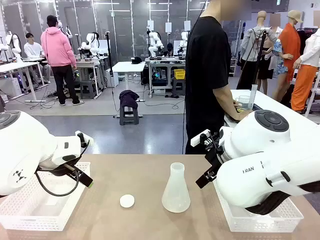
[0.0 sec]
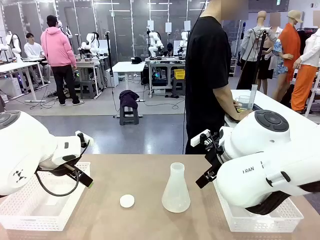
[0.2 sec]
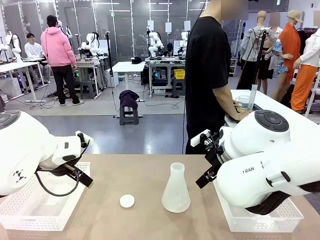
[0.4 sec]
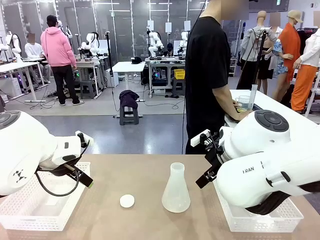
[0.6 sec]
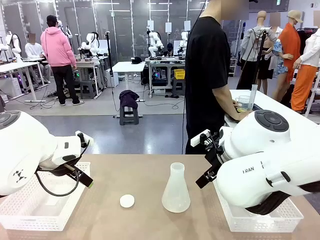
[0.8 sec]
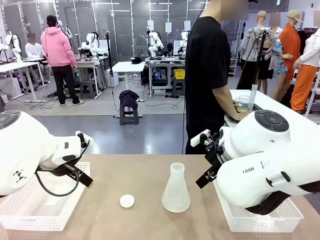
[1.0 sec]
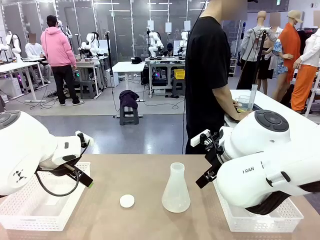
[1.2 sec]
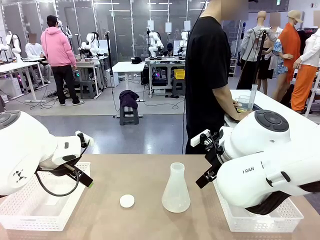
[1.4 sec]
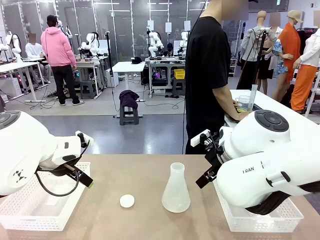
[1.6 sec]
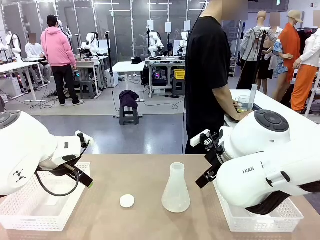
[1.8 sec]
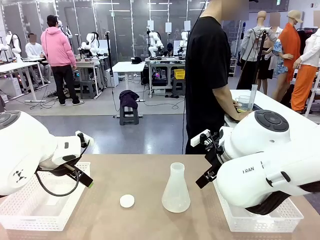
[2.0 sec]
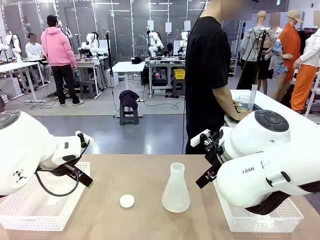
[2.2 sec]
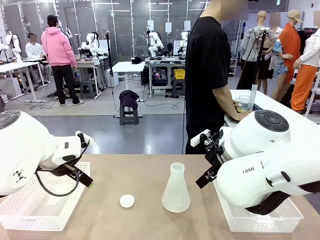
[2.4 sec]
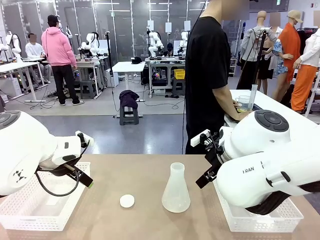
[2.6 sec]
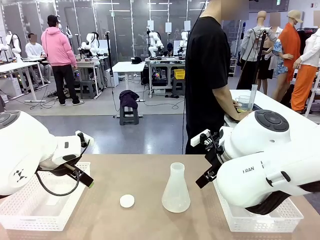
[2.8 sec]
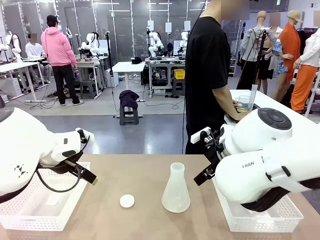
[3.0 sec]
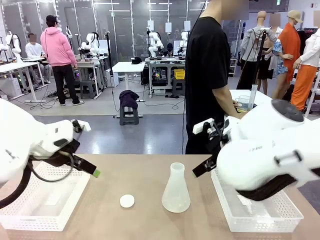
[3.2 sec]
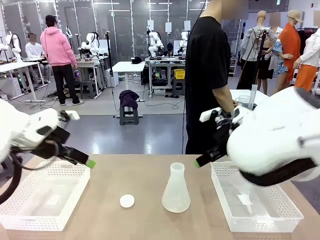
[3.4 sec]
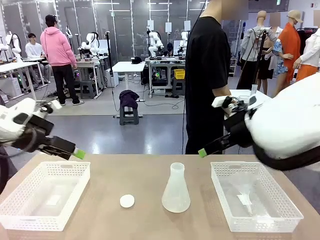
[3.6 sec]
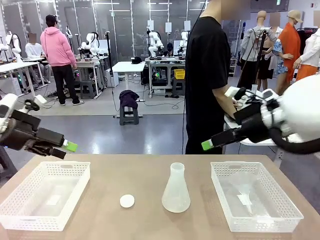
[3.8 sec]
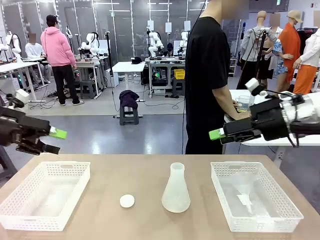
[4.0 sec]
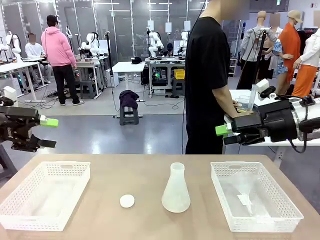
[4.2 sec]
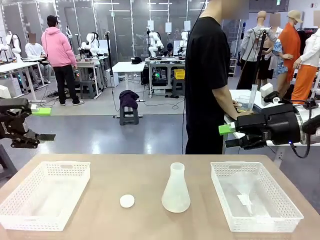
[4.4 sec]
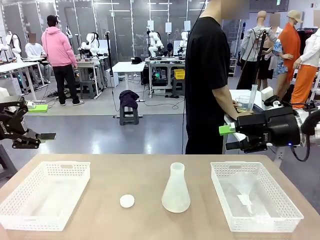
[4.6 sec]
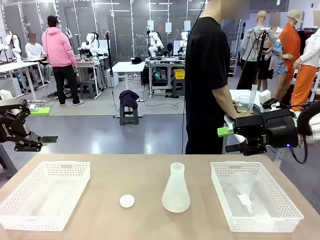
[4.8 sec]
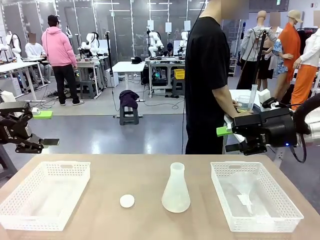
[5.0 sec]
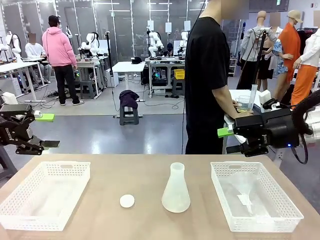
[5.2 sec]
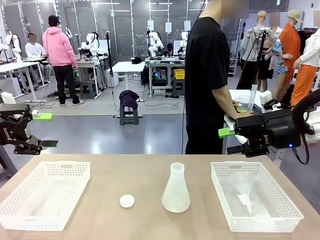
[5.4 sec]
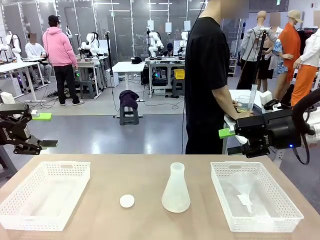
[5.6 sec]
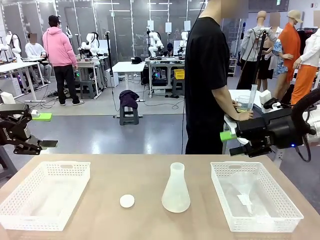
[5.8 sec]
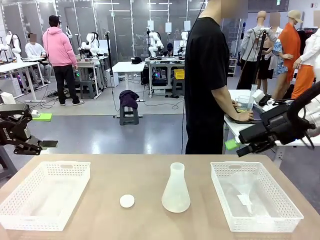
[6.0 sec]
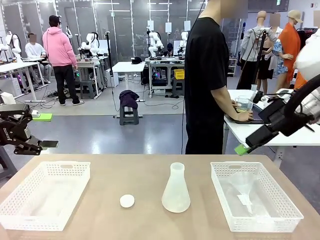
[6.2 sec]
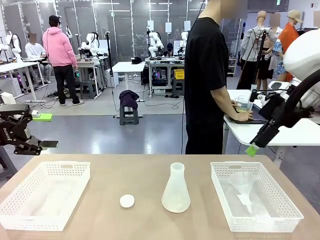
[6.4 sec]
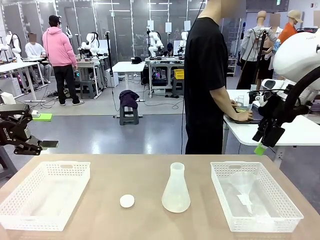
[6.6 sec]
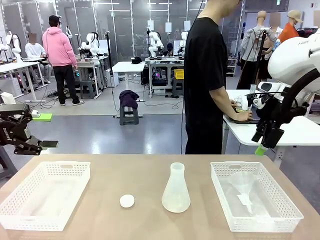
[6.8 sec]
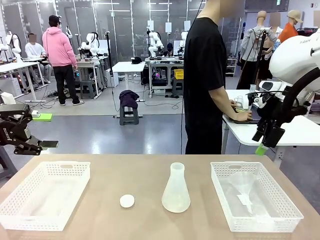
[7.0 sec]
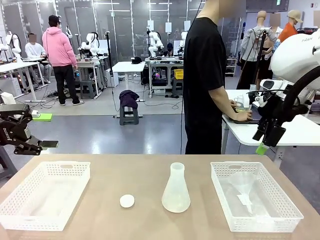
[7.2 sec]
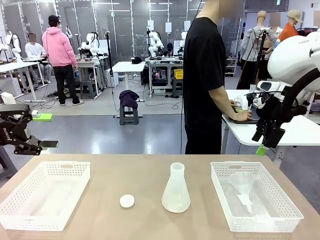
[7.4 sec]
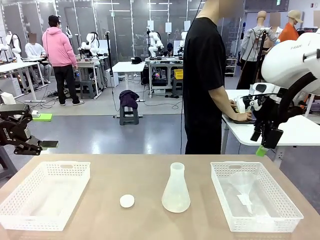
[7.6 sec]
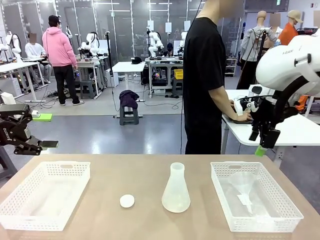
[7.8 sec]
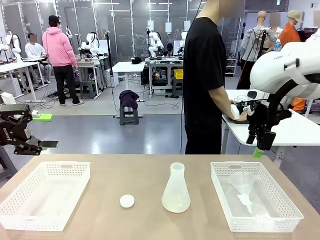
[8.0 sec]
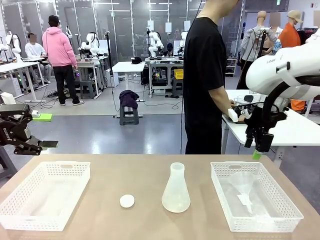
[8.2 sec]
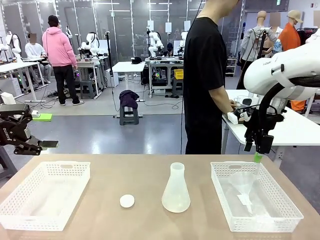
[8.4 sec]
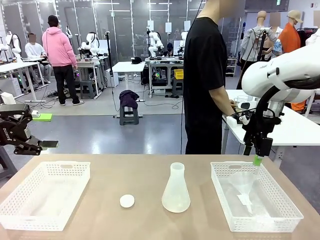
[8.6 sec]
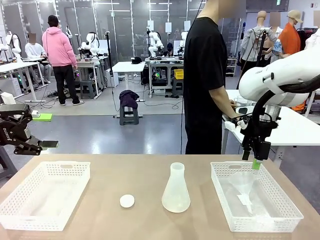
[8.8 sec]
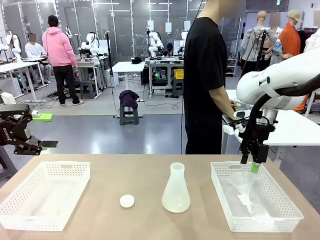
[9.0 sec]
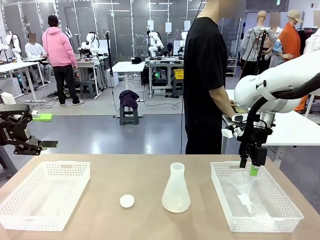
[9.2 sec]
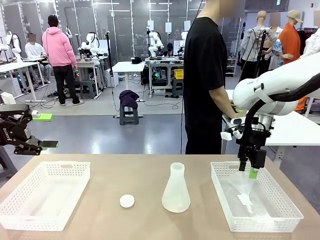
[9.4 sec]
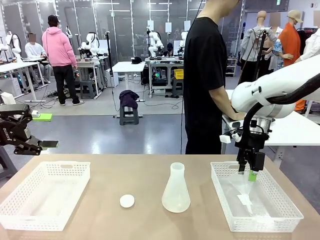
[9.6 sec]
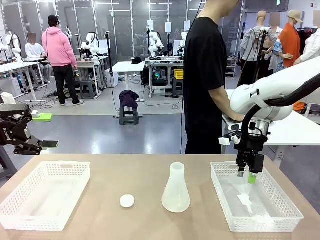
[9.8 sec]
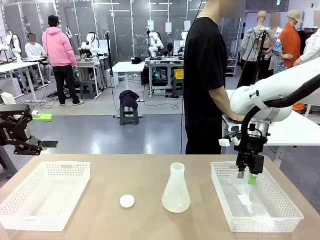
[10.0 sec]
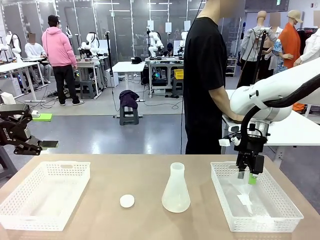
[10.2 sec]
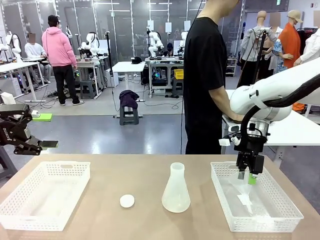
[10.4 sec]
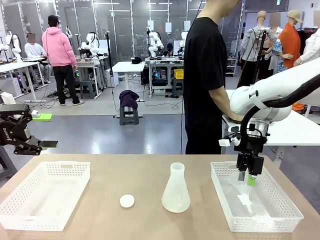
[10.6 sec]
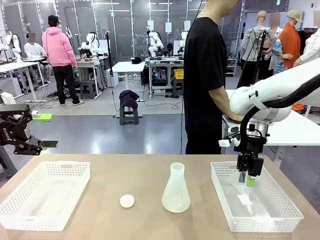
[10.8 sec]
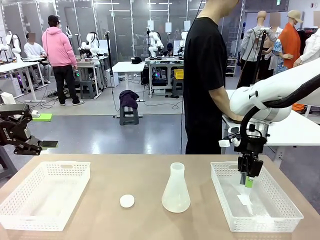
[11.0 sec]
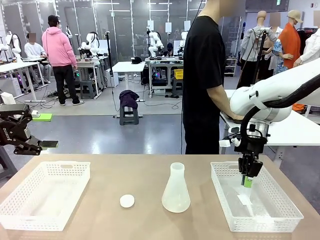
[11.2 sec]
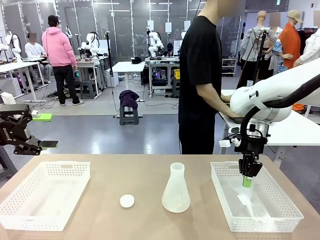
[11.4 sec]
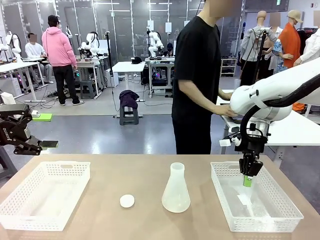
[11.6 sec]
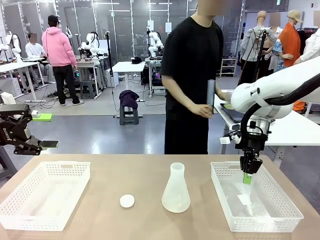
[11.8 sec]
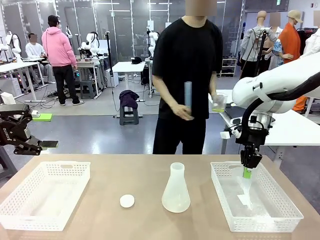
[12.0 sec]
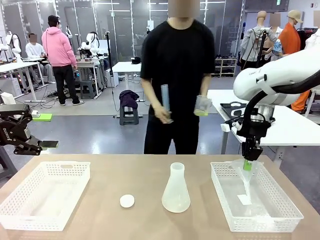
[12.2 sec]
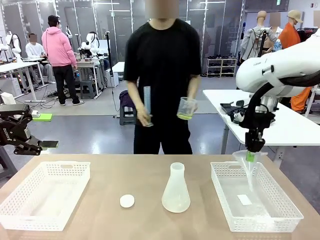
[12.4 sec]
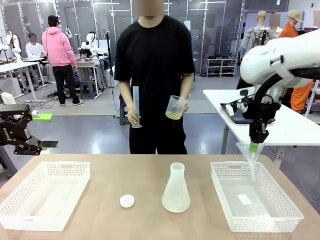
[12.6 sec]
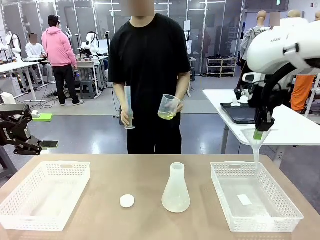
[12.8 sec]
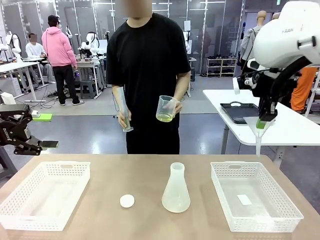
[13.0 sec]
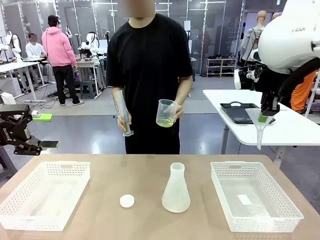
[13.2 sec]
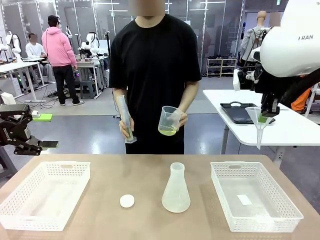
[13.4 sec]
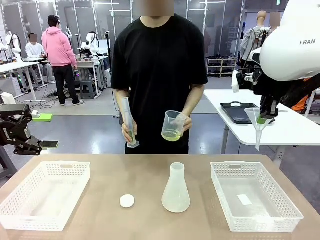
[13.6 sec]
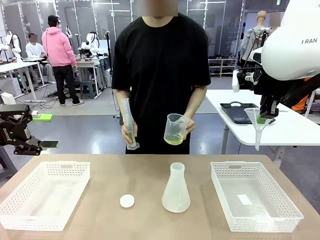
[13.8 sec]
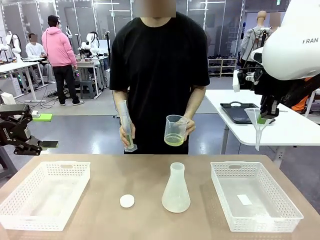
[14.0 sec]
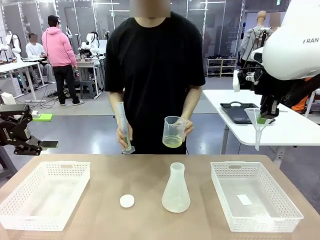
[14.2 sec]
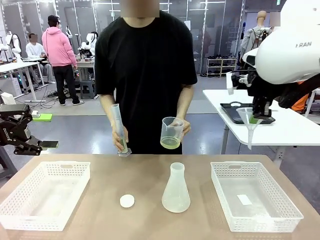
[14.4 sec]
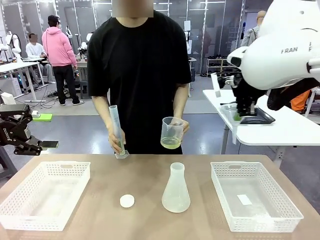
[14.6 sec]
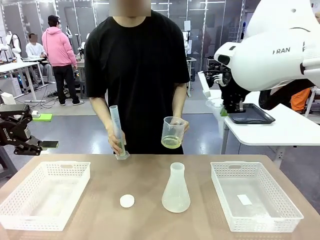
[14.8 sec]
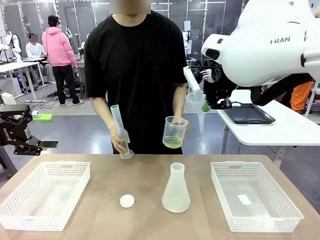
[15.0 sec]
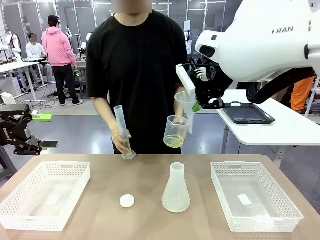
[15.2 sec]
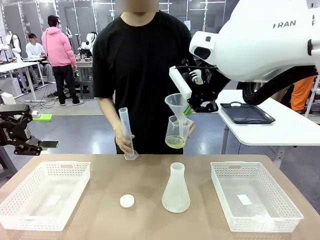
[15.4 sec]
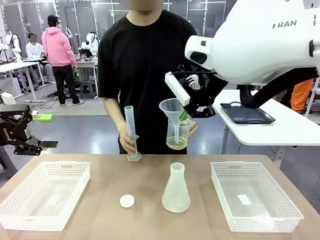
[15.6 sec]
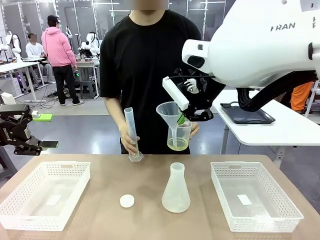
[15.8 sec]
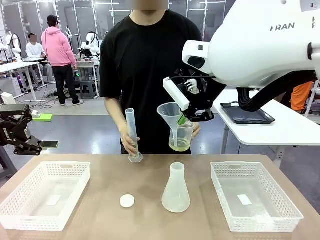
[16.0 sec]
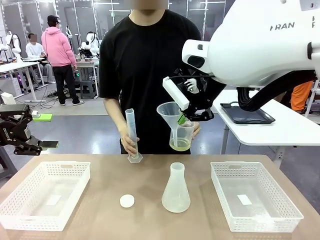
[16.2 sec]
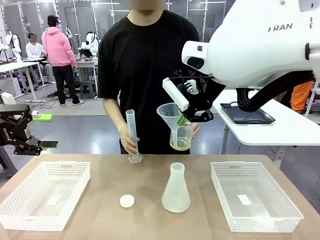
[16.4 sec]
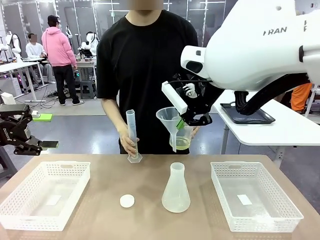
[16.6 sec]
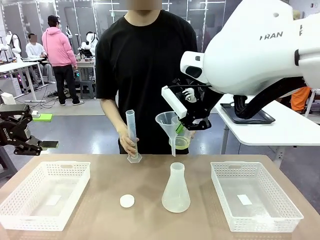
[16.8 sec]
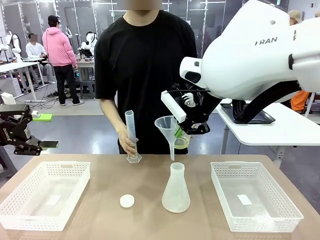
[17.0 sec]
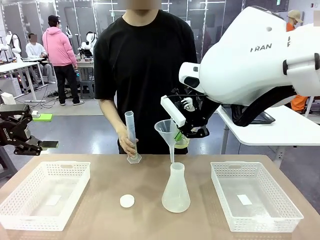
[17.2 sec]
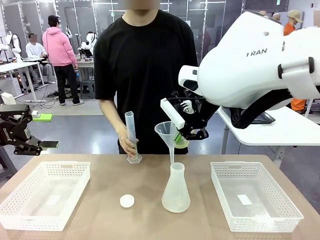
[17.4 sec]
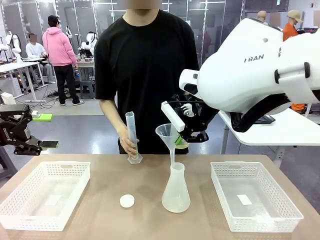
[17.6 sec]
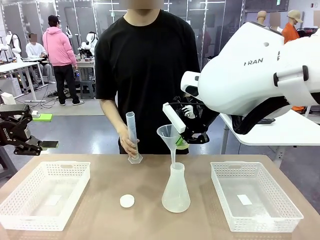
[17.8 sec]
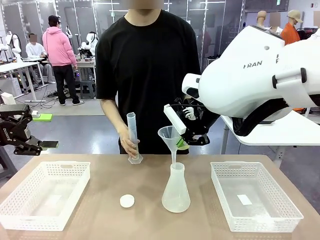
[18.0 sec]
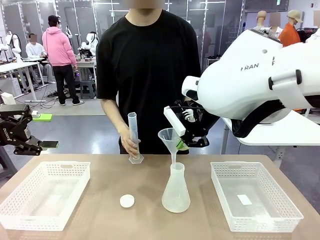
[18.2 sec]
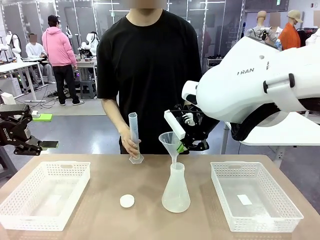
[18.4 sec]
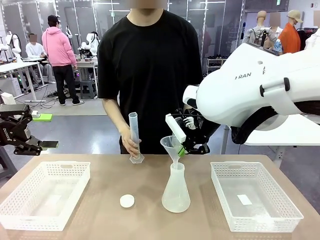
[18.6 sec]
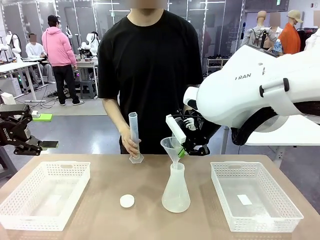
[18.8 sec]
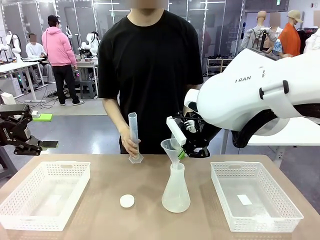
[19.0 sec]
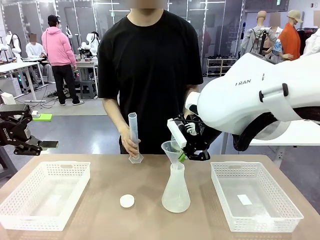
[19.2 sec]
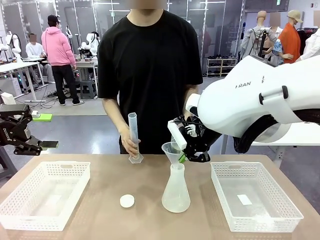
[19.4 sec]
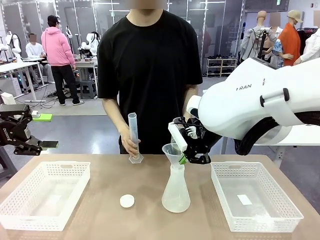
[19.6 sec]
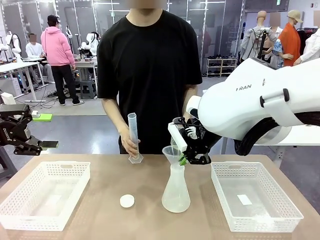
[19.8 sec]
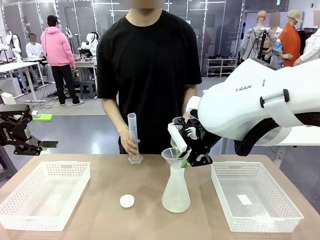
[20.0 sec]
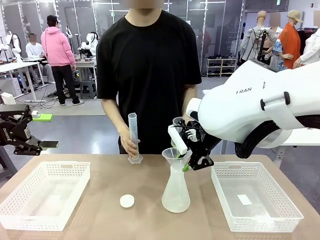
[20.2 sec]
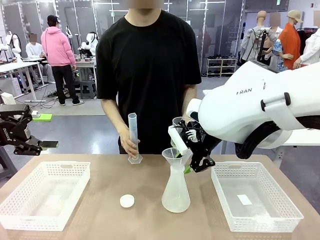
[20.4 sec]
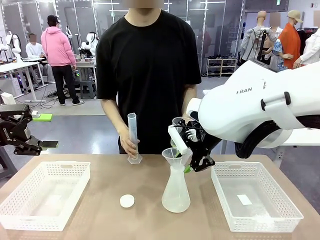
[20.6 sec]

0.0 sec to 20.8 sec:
Task: Prepare the solutions needed for the experiment.
Robot: Pick up the Plastic Funnel and insert it into the Big flask.
Person: Pick up the beaker and the cylinder and move to the middle of the robot table.
